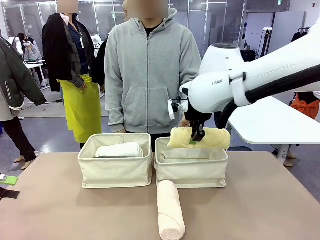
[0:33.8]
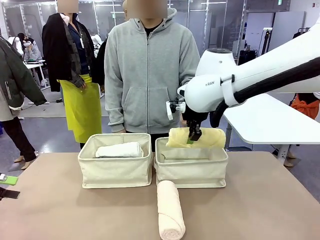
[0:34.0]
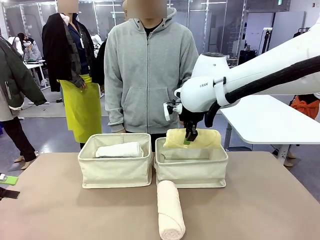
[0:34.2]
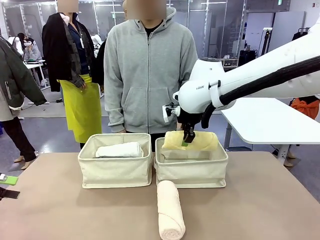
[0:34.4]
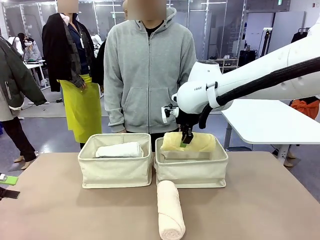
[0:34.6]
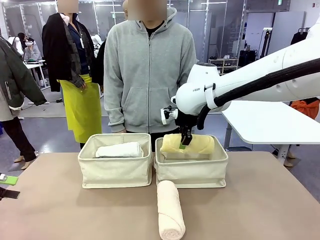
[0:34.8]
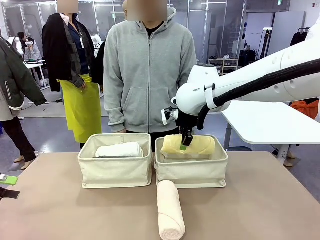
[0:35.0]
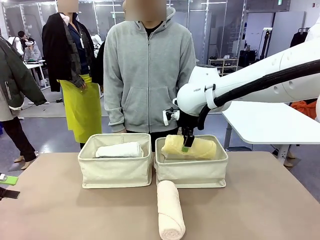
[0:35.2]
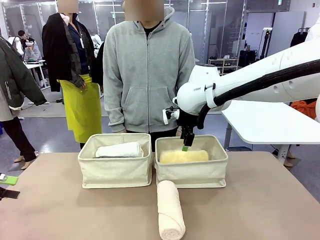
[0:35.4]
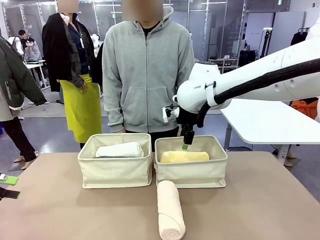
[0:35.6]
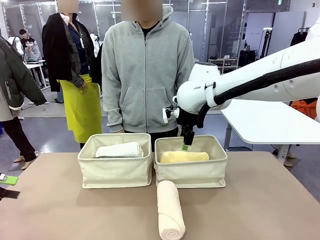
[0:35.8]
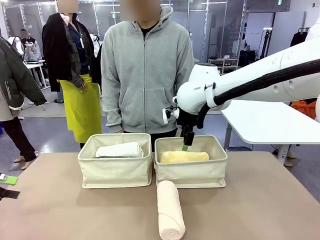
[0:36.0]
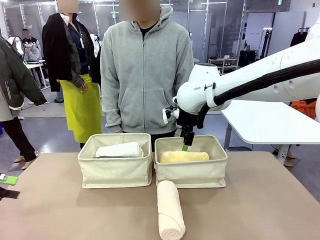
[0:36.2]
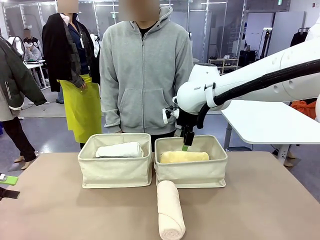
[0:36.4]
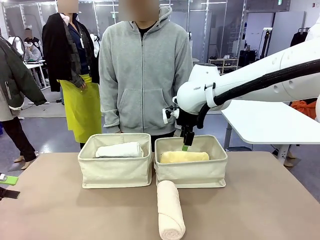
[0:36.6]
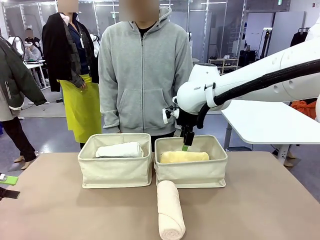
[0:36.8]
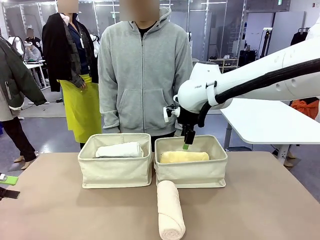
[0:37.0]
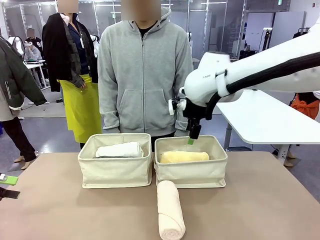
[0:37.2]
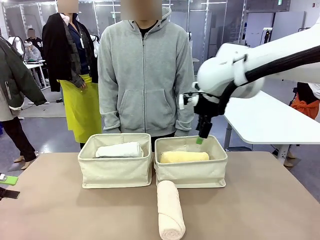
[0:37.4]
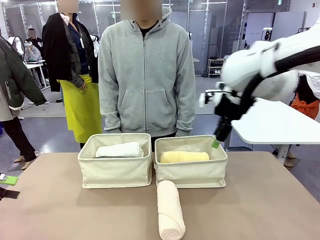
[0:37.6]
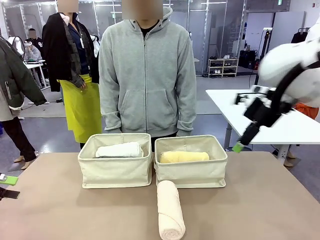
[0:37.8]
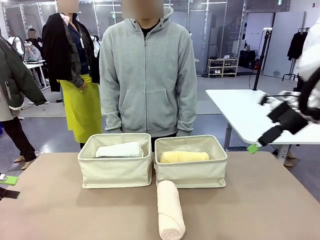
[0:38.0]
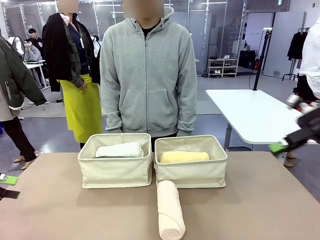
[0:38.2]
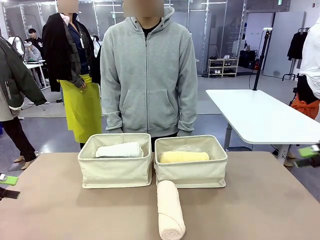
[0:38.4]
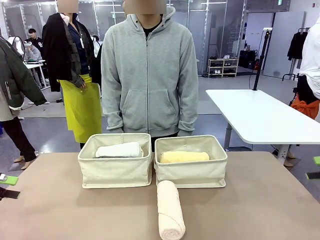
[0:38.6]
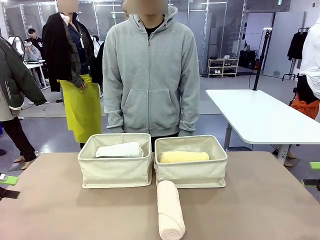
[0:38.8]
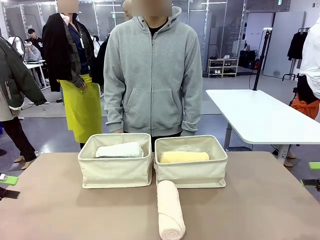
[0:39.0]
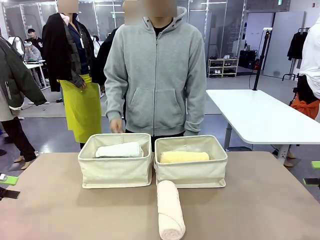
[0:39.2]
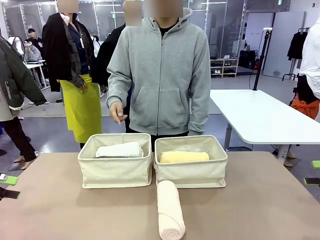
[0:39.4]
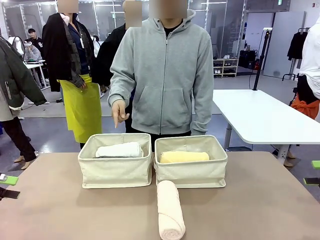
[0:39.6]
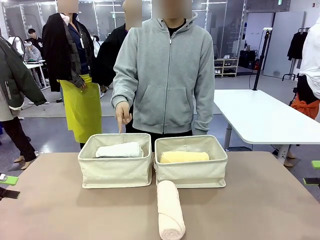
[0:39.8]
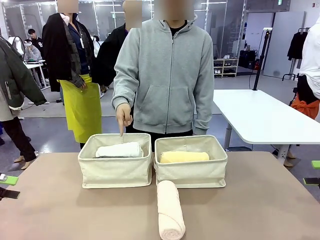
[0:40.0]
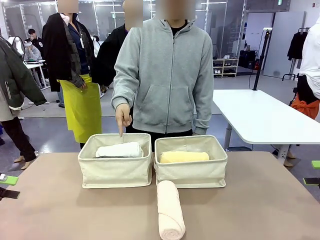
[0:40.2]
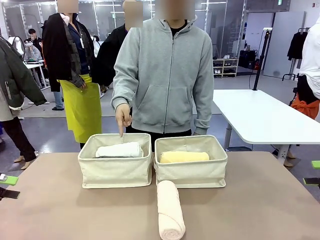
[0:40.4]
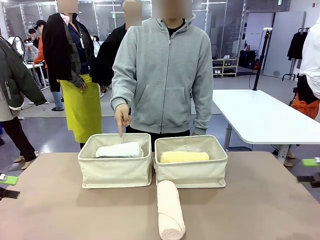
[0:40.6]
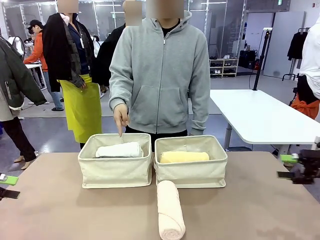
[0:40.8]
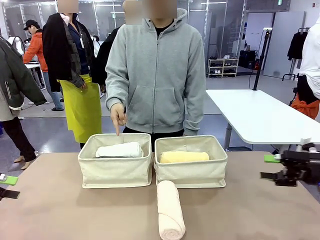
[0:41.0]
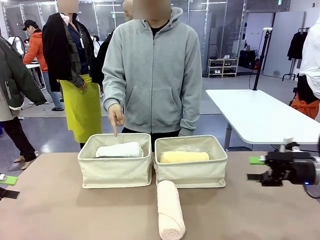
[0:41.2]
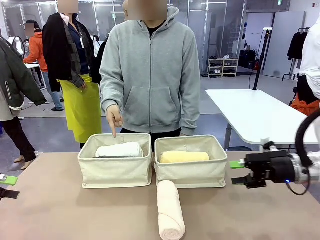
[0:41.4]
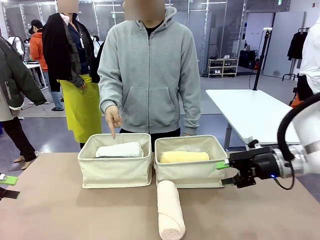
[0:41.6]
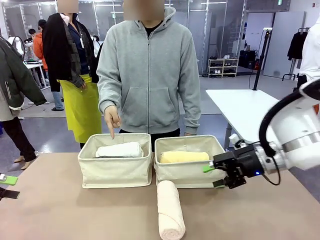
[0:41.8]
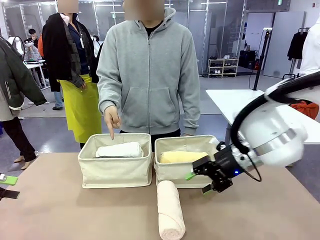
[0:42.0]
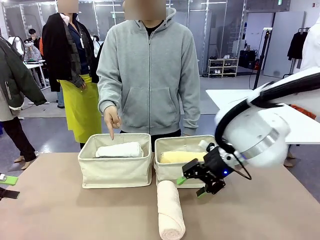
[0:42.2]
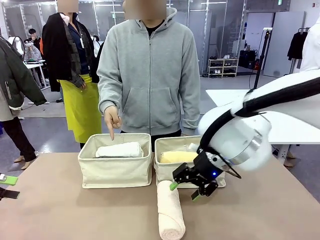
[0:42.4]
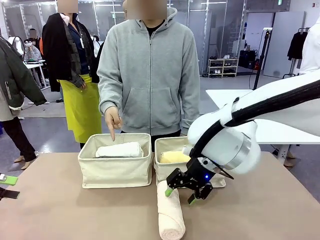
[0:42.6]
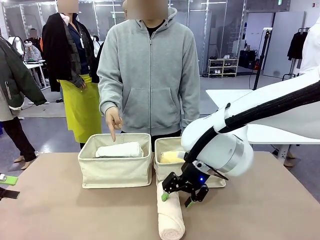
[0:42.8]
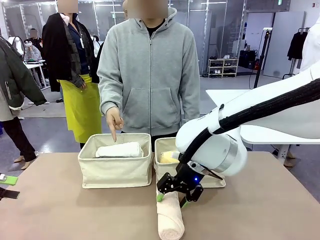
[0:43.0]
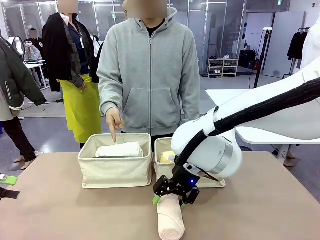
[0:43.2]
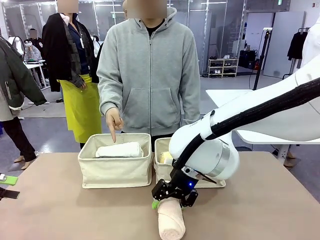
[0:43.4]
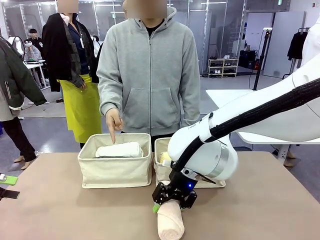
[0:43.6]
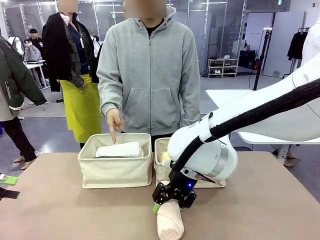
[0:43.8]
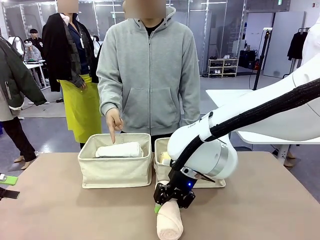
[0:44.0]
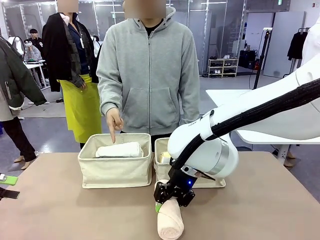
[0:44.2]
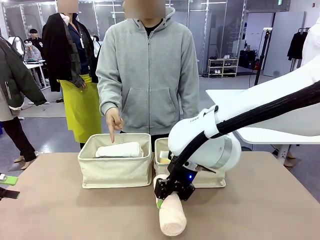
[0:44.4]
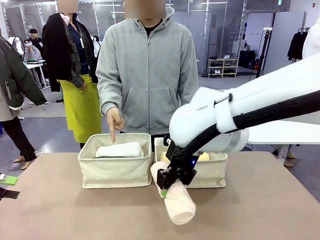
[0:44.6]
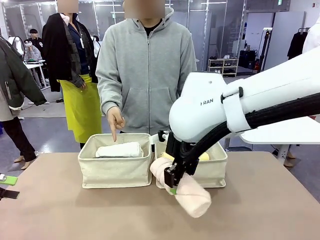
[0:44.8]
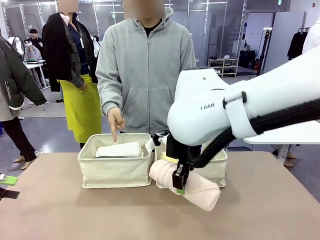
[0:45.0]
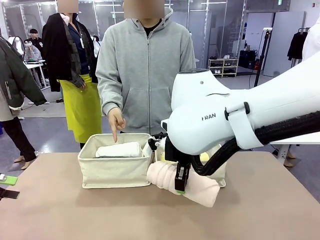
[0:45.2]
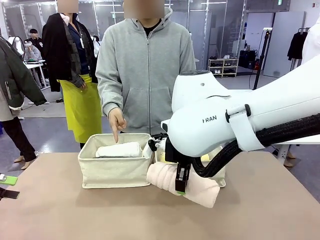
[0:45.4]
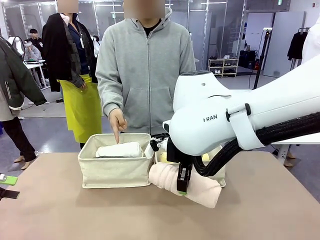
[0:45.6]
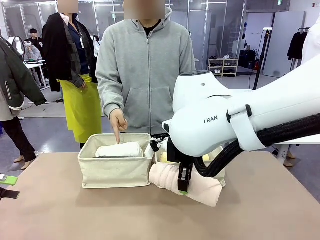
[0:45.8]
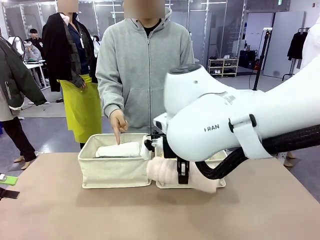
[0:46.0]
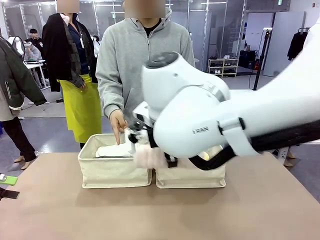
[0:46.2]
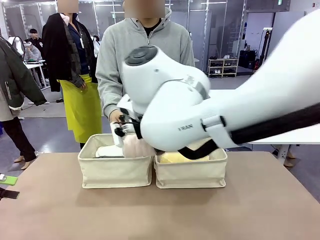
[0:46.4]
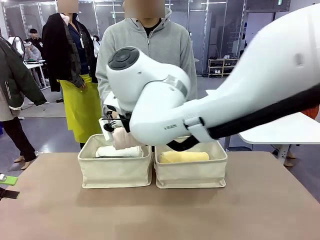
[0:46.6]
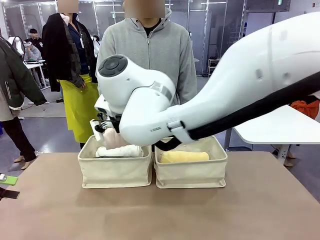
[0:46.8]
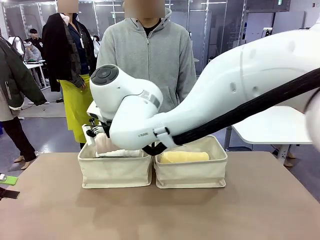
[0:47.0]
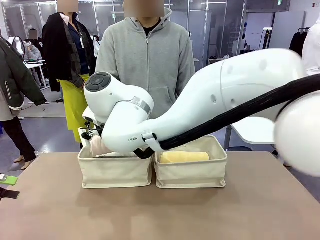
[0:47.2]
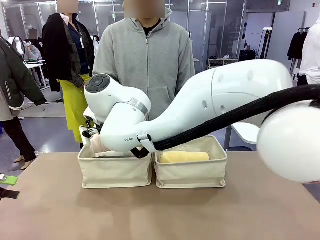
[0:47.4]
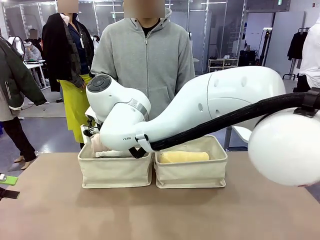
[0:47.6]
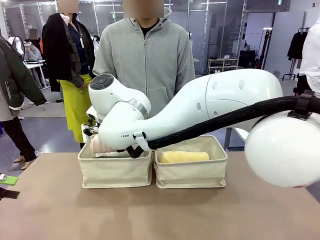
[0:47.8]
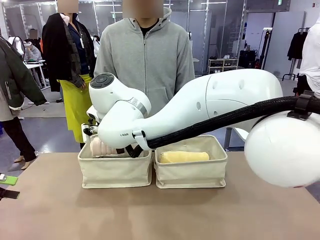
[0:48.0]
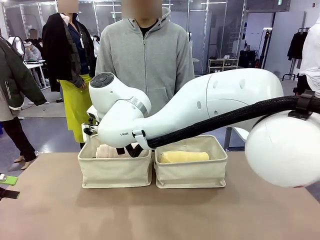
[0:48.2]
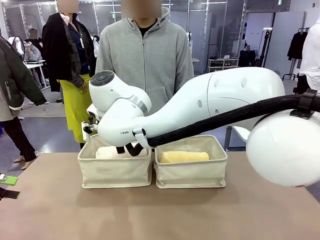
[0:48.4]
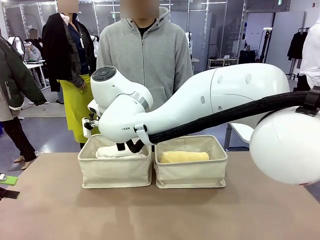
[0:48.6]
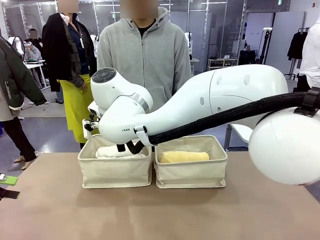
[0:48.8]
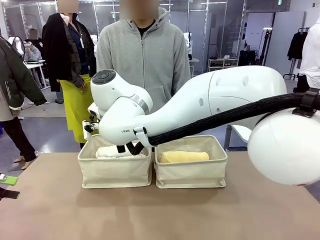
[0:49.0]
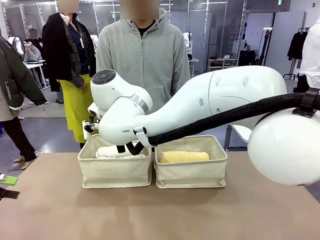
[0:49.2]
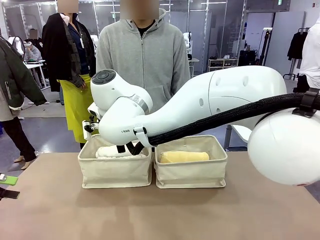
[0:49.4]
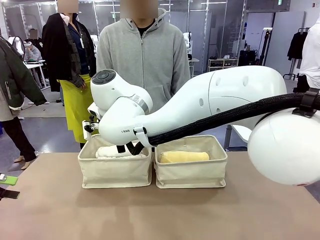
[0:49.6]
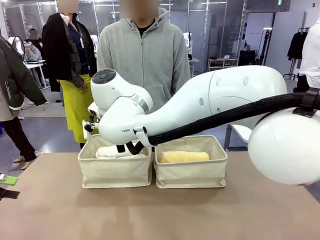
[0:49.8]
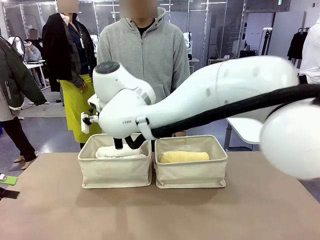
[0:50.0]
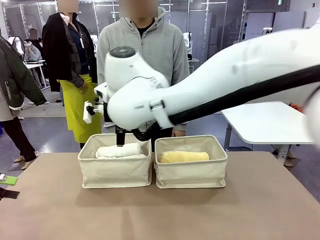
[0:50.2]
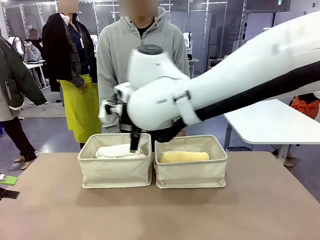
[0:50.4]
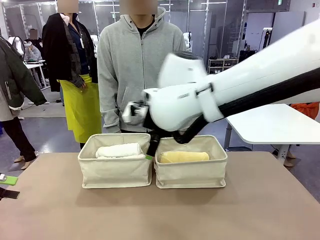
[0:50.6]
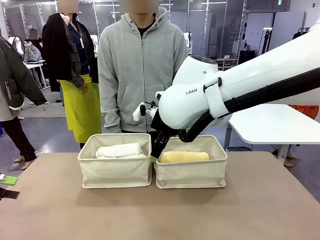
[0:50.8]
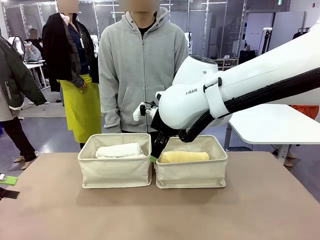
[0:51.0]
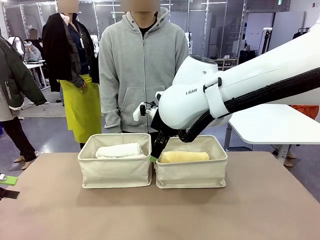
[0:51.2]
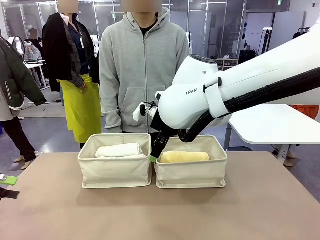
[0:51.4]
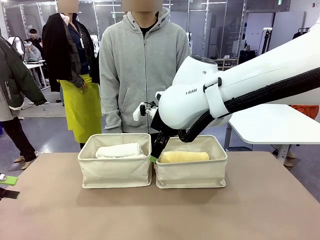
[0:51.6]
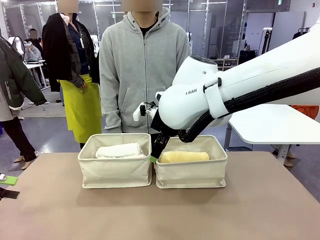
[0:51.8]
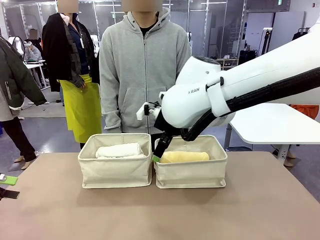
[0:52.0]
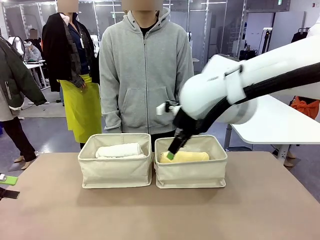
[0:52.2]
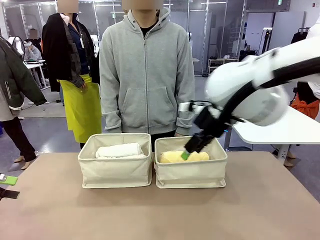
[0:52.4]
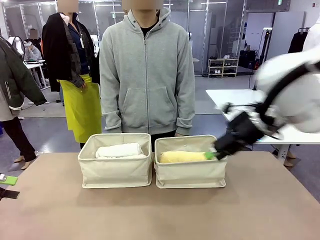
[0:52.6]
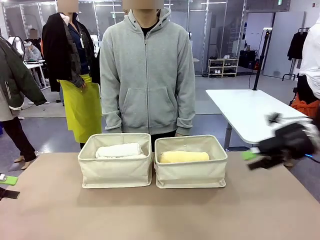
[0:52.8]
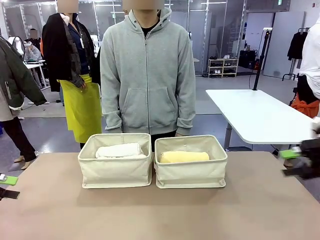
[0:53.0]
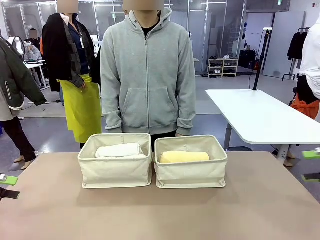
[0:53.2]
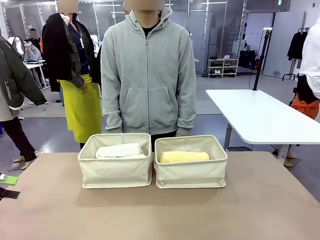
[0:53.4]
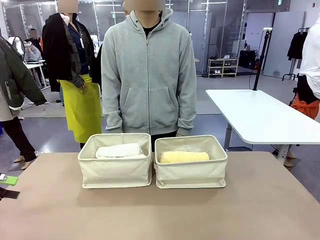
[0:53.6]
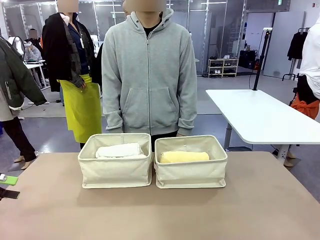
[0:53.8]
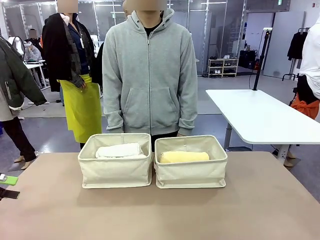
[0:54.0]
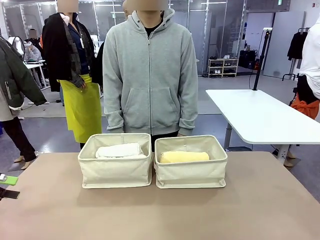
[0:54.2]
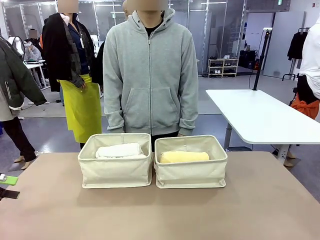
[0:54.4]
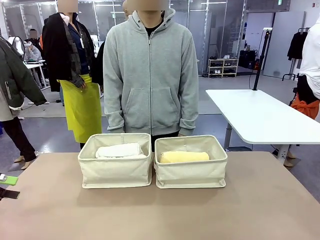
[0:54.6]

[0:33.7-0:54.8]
Task: Divide the towels into two baskets.
Robot: Pick up one hotel-folded towel from the bottom of the table and place it in the Fabric basket indicated by the person.
